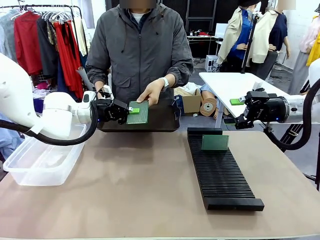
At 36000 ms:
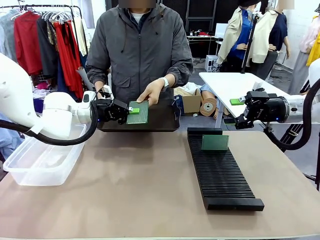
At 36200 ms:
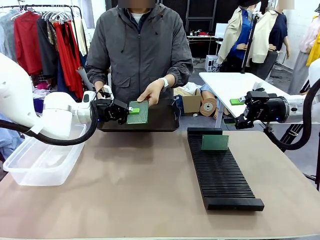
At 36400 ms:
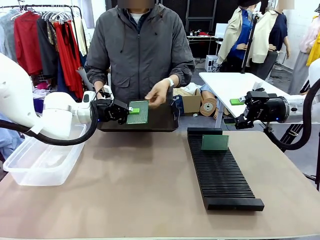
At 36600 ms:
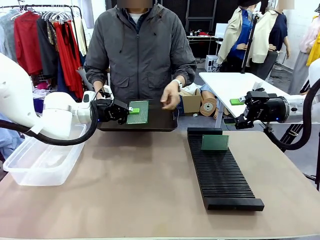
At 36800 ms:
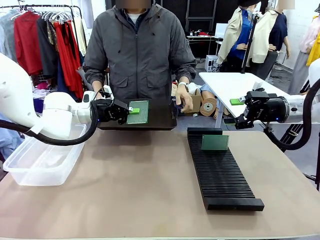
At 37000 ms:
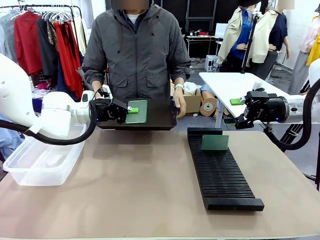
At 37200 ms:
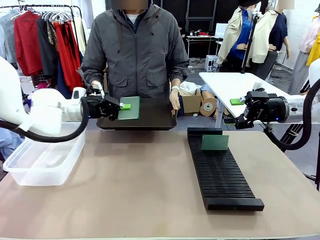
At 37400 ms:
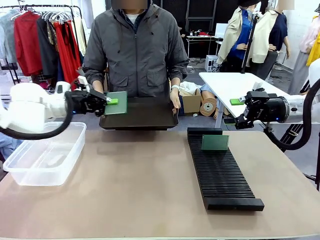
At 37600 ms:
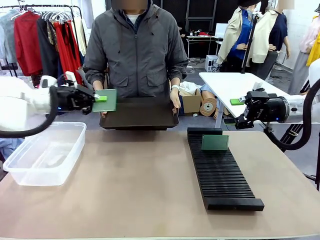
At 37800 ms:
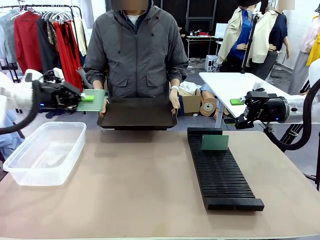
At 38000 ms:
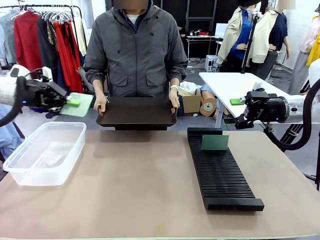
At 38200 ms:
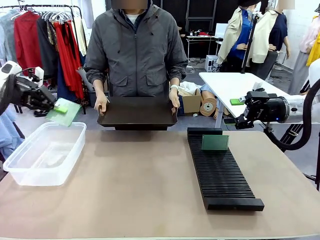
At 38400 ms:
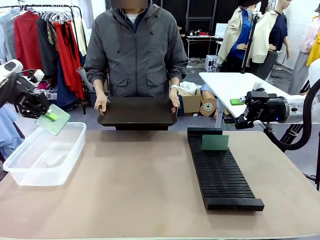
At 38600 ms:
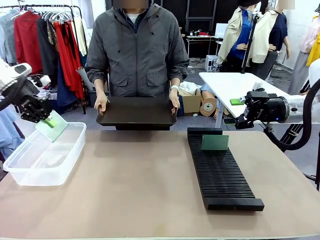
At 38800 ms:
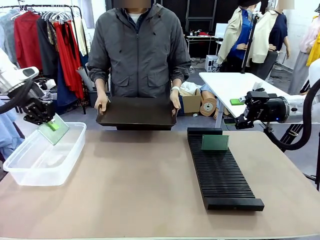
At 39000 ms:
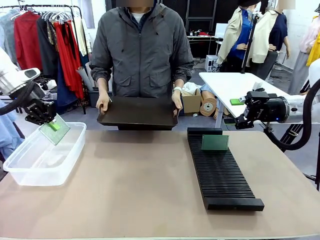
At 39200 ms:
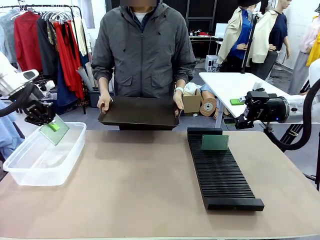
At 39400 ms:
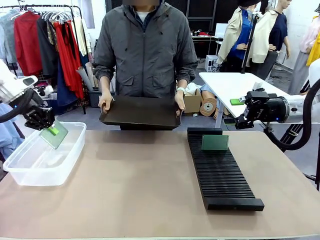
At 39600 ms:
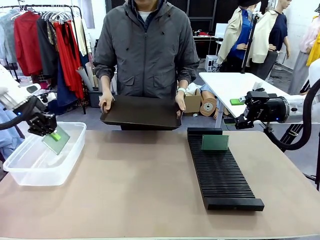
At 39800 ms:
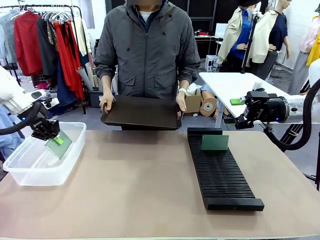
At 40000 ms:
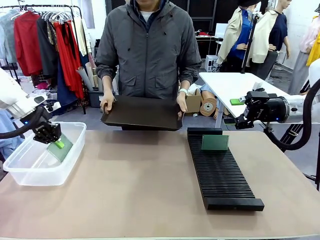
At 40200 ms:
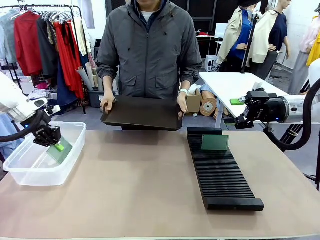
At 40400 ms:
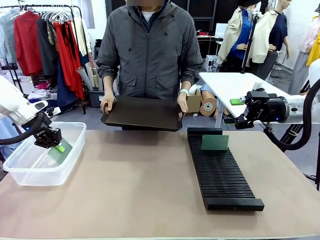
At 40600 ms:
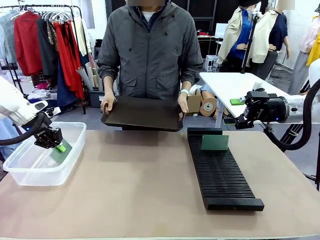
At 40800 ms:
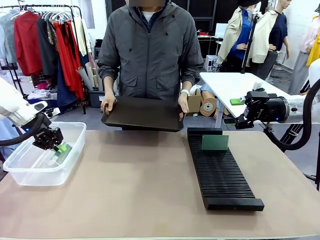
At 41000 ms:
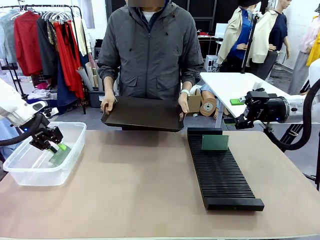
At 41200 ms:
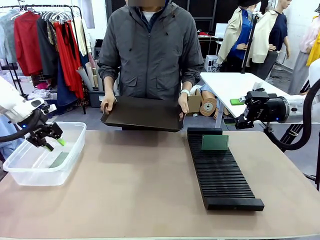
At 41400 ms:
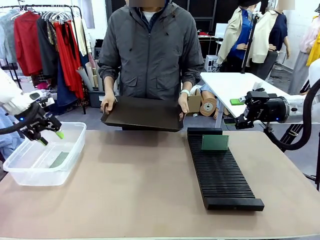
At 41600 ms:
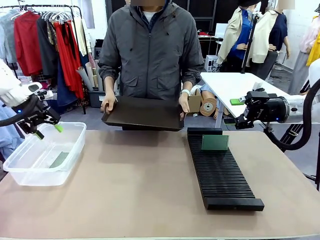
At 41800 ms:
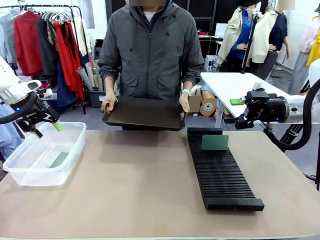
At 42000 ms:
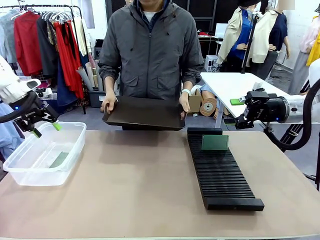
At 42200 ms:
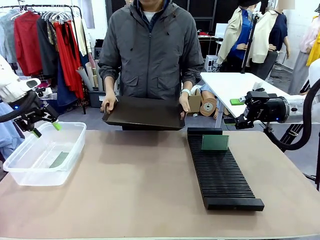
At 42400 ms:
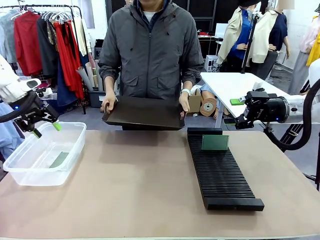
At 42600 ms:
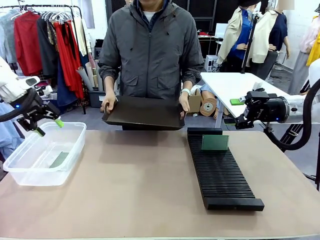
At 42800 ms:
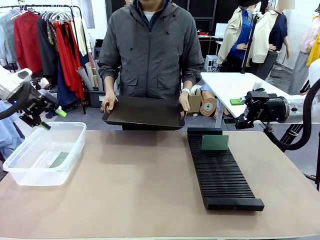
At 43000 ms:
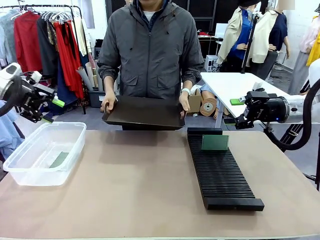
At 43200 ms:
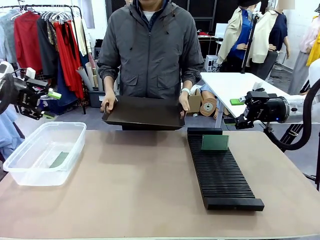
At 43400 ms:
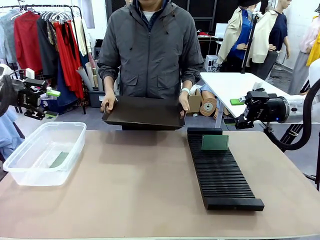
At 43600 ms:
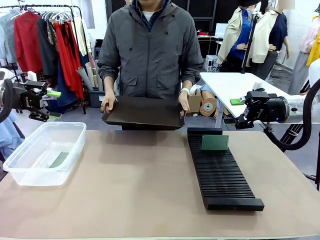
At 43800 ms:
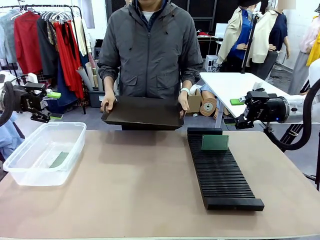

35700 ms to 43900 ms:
Task: Sort PCBs into racks and boxes based on the side picked up.
Robot: If the short side of the Blank PCB is picked up, insert it into the PCB Rack ; if the long side is picked up, place it in the Organizing box.
Person: Release the PCB being held.

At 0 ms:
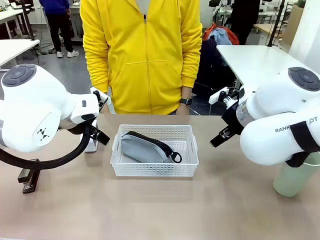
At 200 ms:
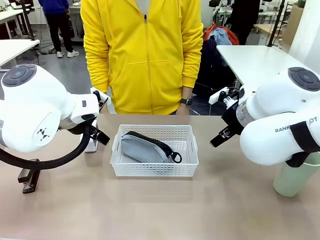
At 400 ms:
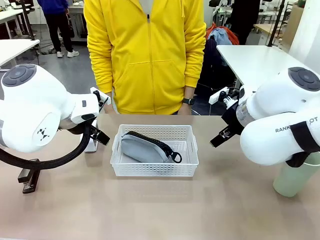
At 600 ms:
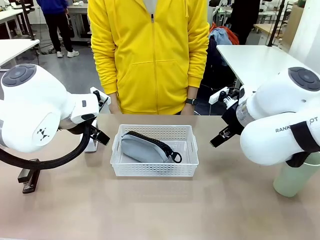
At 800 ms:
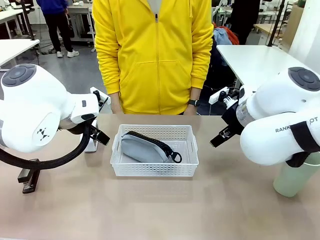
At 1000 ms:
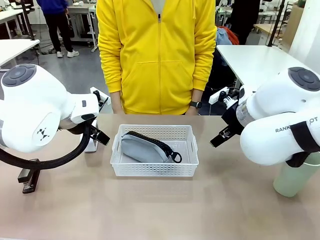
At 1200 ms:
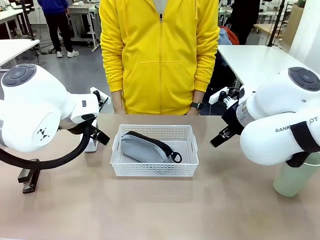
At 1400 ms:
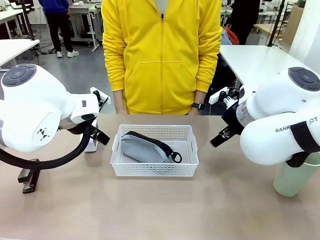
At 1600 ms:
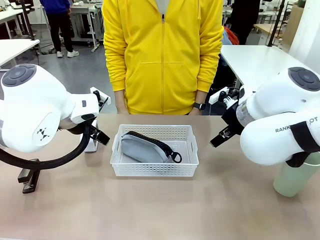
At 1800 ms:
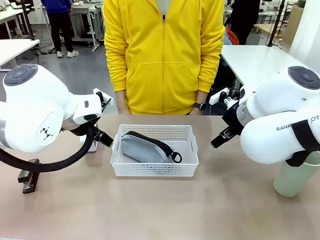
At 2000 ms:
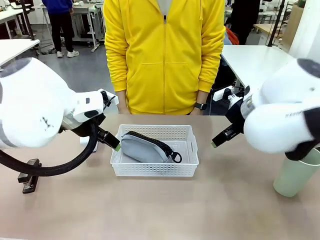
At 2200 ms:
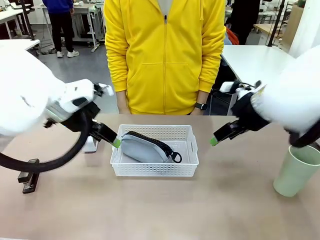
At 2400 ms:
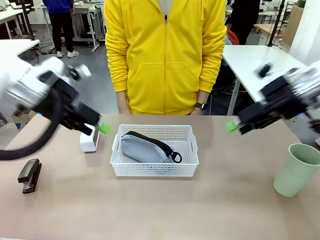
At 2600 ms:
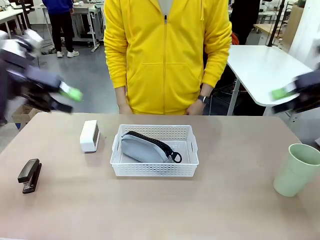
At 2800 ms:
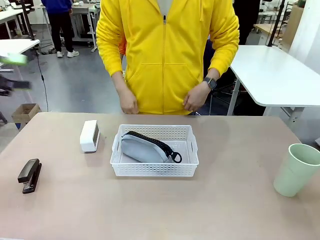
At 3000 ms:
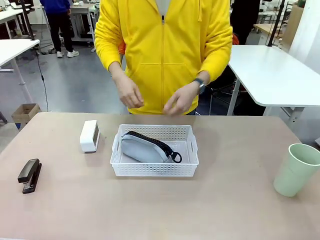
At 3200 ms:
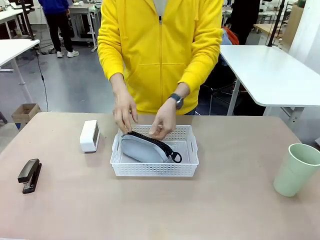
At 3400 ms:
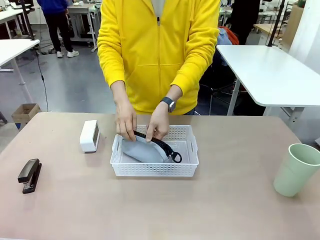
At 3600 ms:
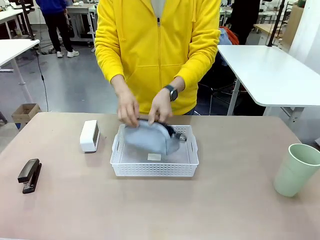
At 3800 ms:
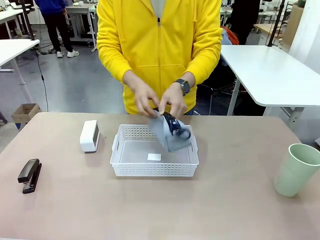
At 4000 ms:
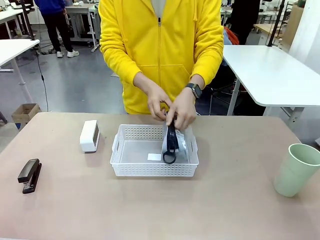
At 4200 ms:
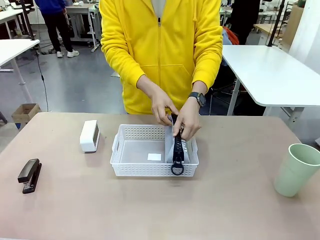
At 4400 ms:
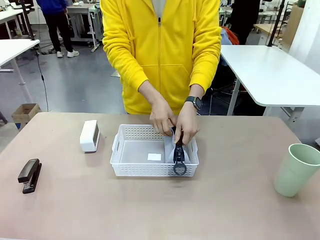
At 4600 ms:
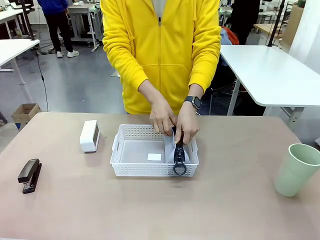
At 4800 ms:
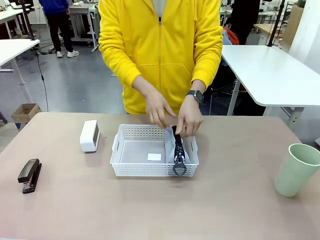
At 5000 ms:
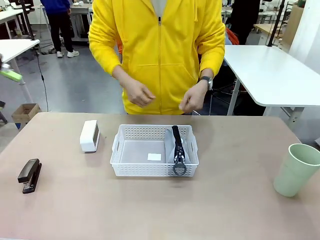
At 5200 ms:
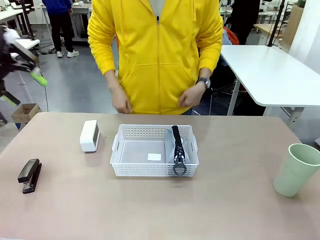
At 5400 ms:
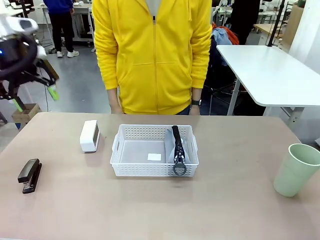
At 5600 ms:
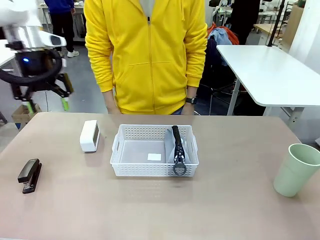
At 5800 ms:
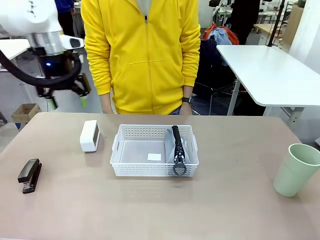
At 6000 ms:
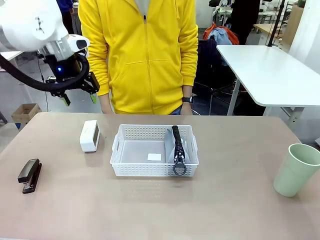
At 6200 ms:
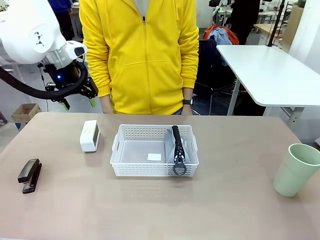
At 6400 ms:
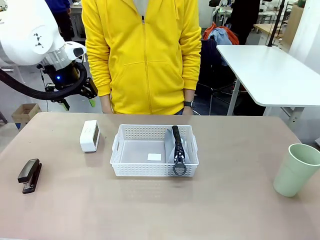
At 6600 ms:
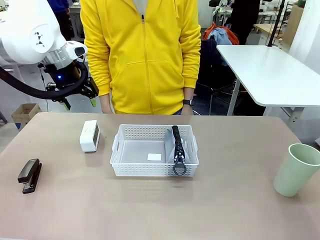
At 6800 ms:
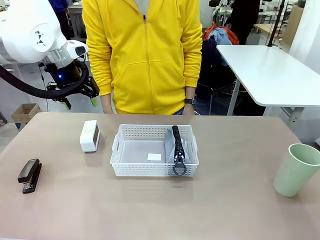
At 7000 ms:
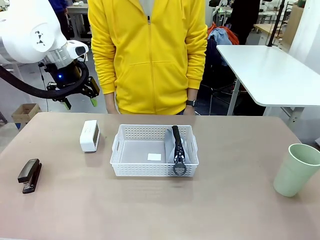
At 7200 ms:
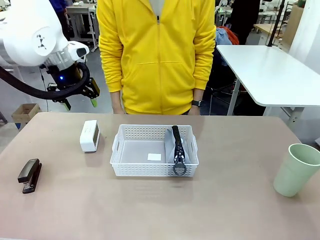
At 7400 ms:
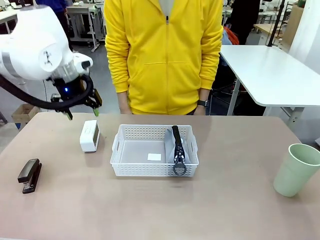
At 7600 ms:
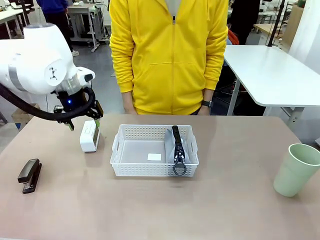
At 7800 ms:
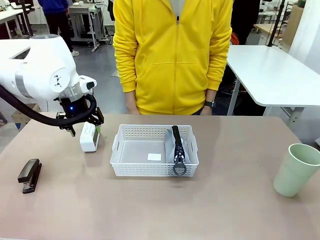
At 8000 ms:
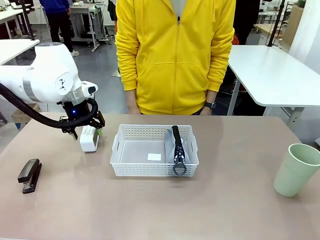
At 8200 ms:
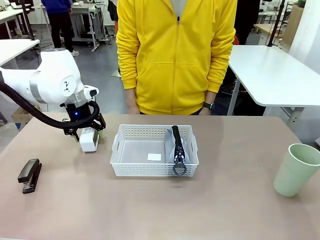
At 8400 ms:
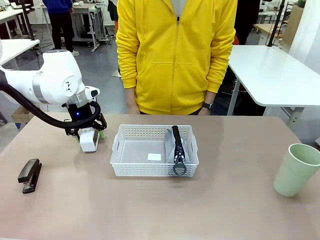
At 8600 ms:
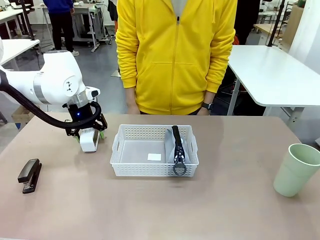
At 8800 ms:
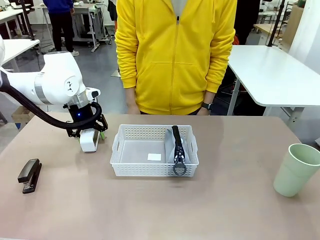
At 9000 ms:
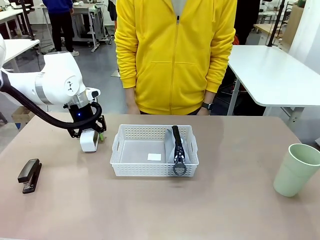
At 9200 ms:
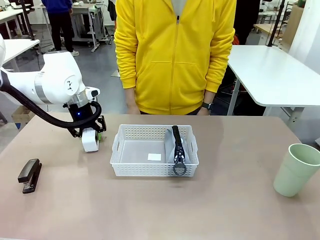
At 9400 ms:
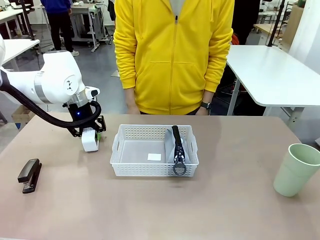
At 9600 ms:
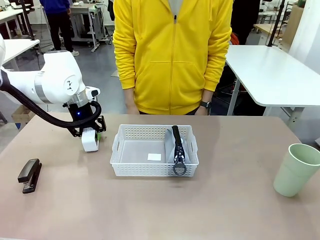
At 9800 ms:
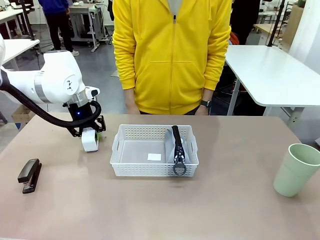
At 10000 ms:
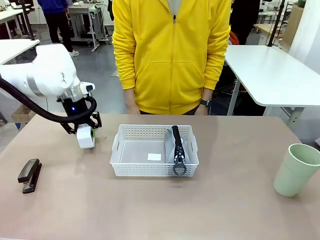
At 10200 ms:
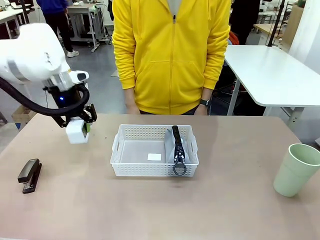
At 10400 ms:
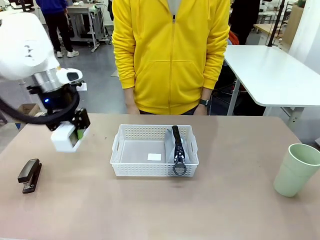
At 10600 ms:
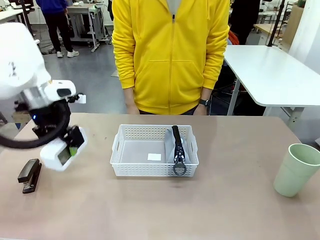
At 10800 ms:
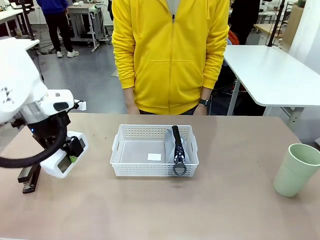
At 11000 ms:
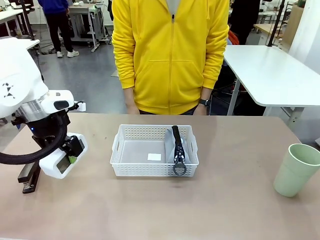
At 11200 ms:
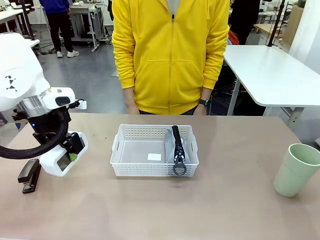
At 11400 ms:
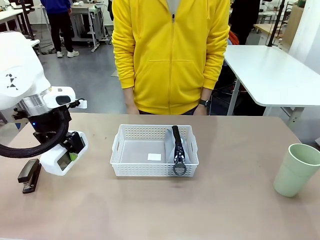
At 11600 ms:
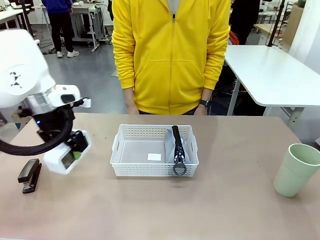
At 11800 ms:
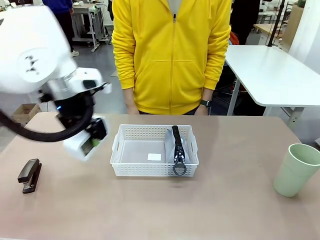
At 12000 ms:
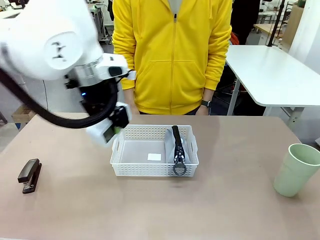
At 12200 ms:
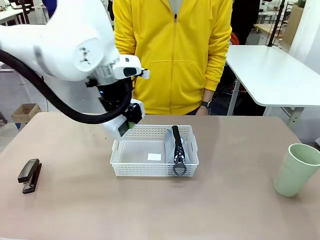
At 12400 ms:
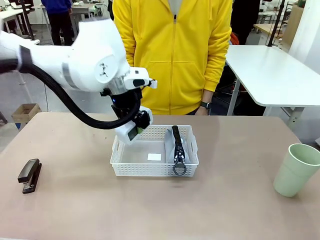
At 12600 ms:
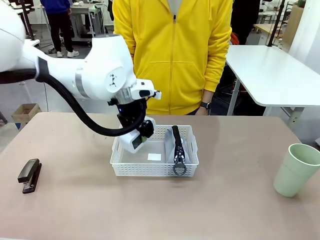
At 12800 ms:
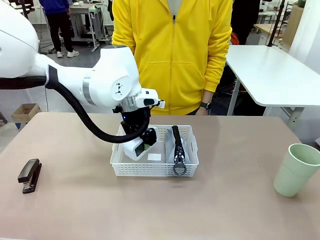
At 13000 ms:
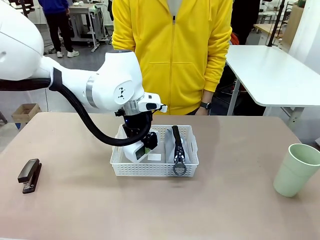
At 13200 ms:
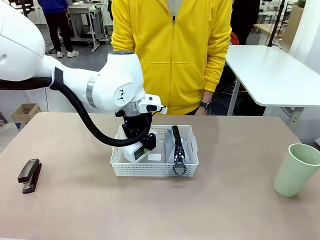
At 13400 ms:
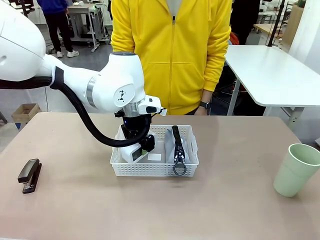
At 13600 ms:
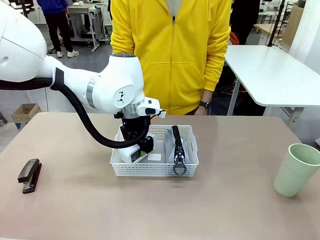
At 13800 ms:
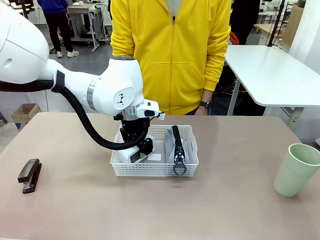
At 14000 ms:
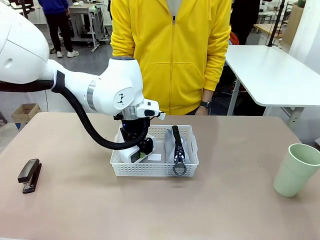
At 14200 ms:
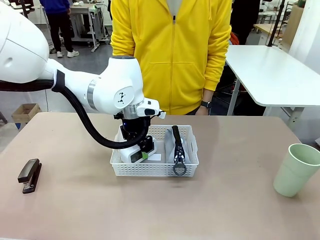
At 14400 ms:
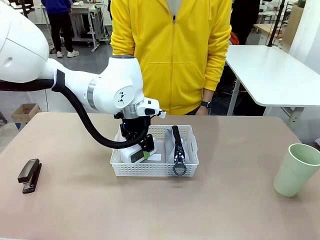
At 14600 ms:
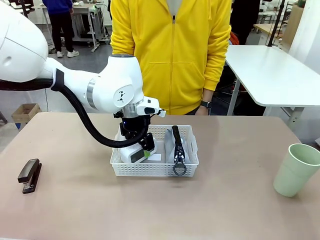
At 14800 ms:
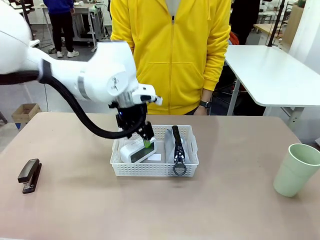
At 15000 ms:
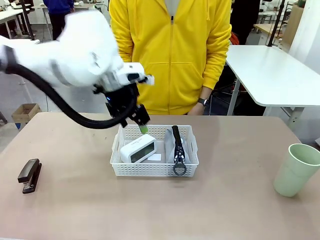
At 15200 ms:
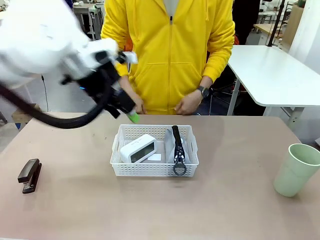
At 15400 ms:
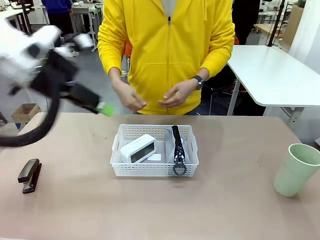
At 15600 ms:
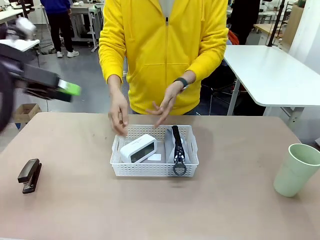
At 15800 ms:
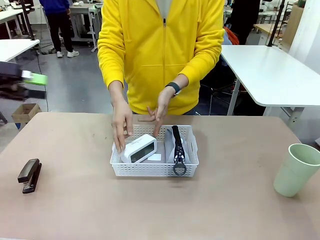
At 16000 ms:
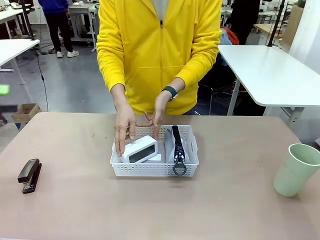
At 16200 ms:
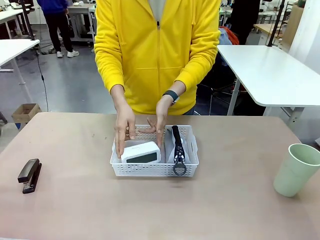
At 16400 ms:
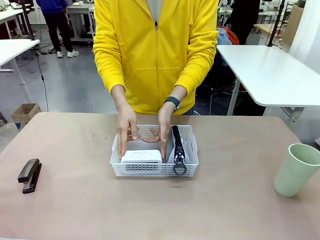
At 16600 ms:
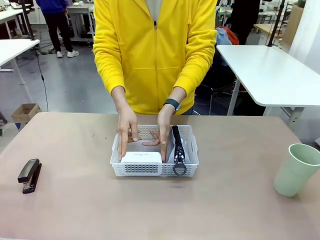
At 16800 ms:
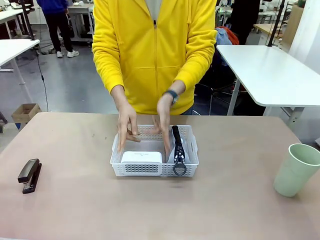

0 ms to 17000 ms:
Task: Efficiently arrange items inside the basket to fit them all.
Robot: Pick up the Digital clock and place it inside the Organizing basket.
Person: Repositions the pencil case. Repositions the digital clock.
